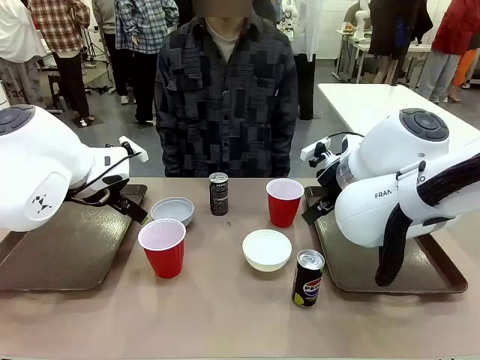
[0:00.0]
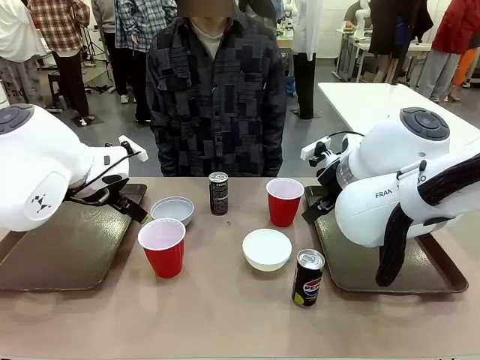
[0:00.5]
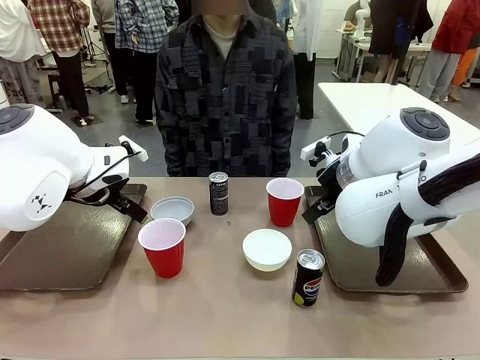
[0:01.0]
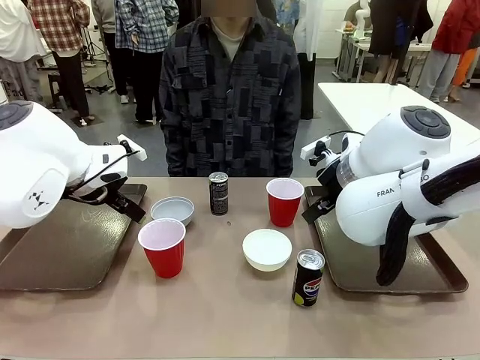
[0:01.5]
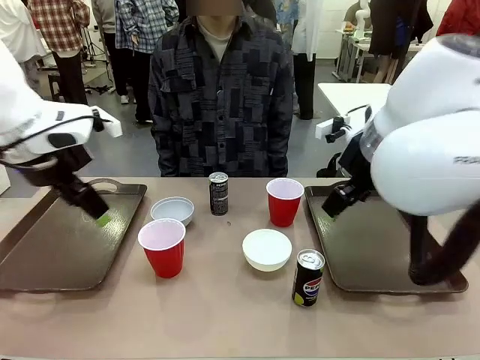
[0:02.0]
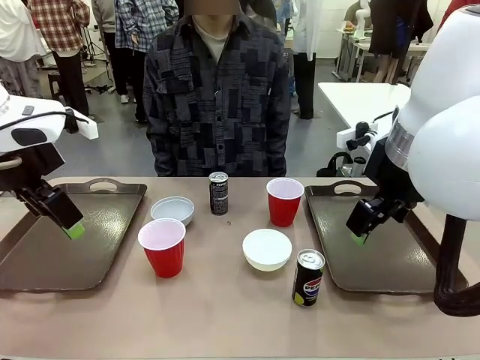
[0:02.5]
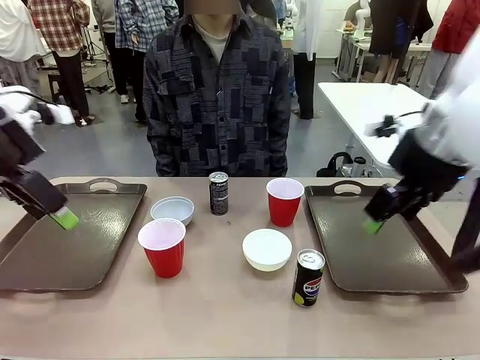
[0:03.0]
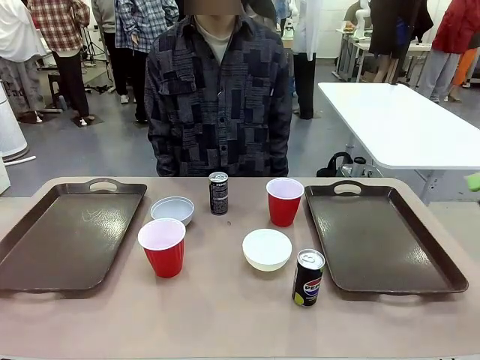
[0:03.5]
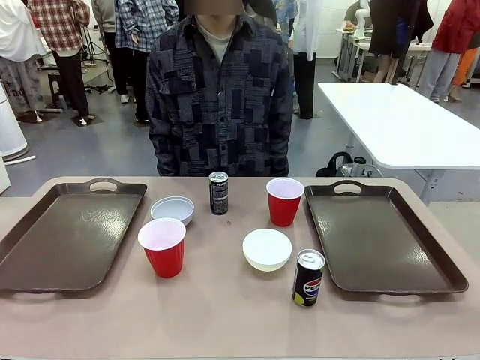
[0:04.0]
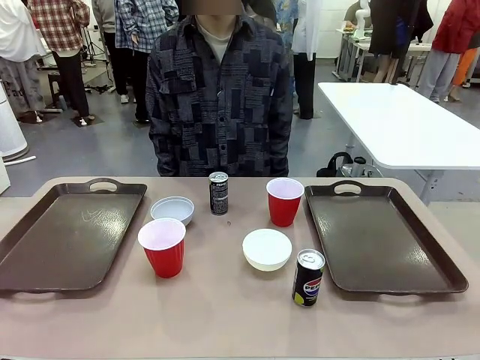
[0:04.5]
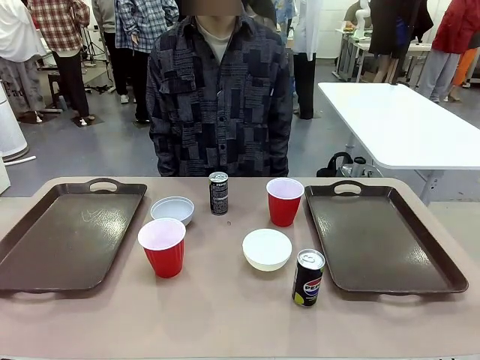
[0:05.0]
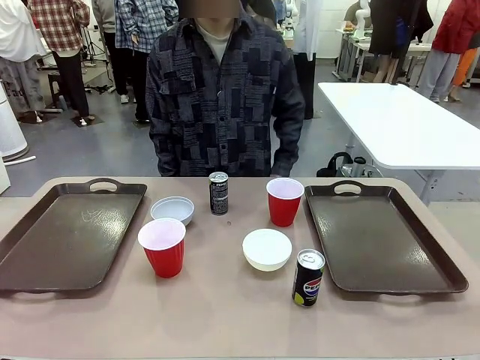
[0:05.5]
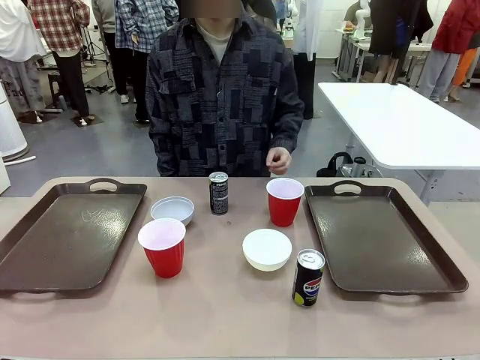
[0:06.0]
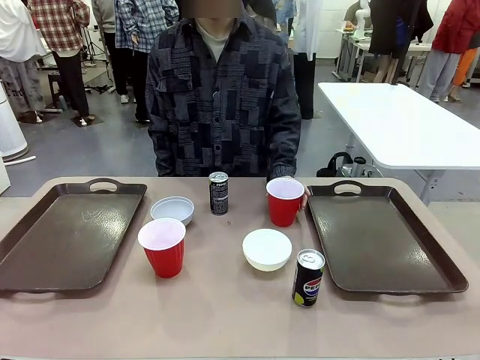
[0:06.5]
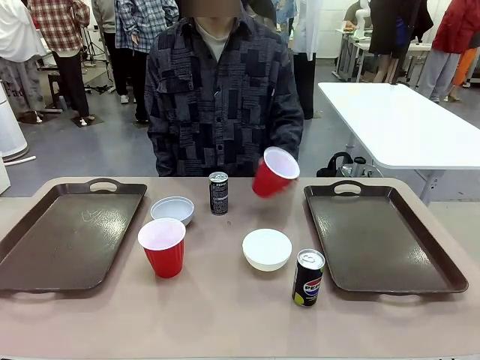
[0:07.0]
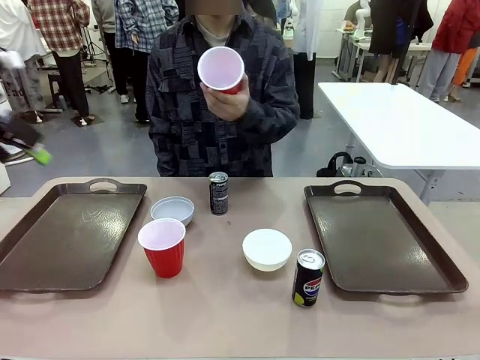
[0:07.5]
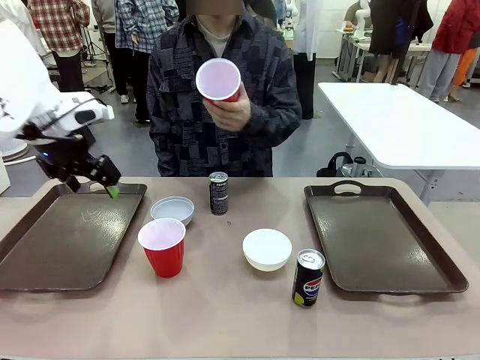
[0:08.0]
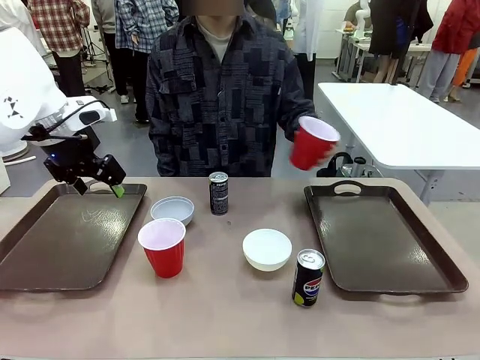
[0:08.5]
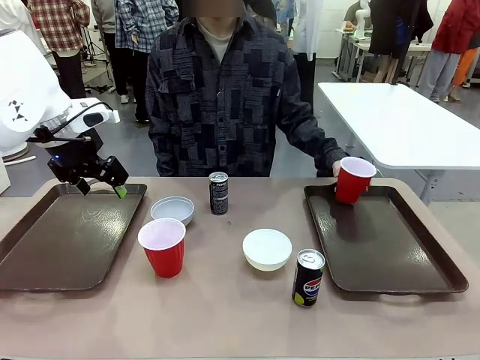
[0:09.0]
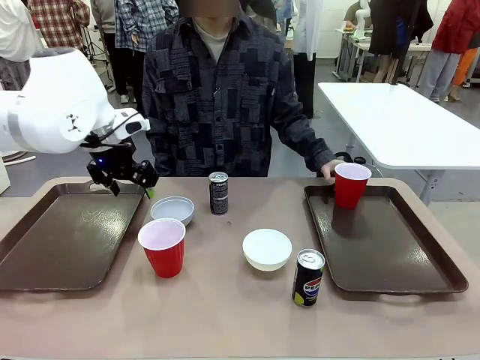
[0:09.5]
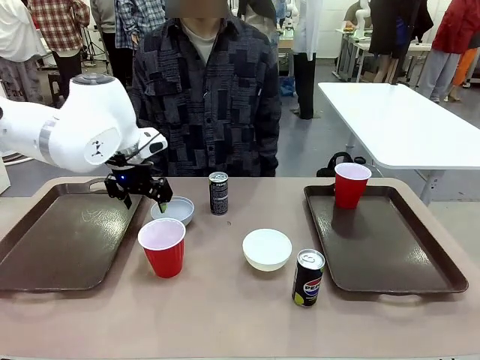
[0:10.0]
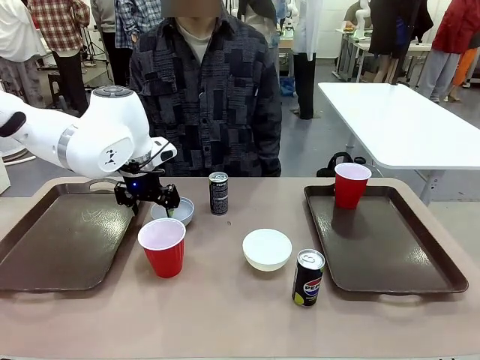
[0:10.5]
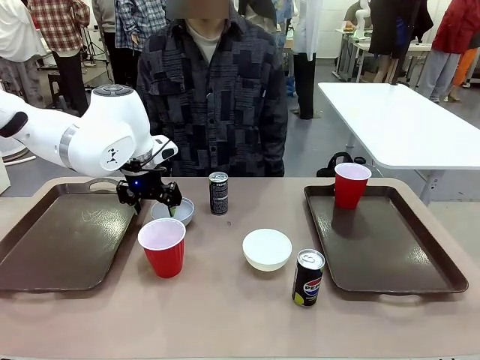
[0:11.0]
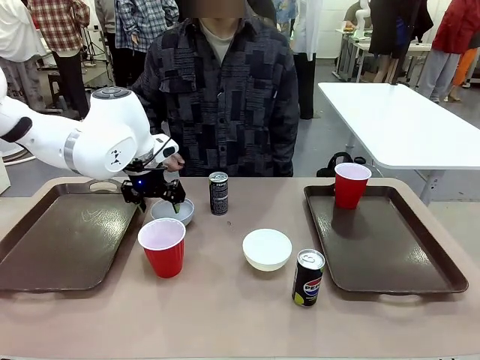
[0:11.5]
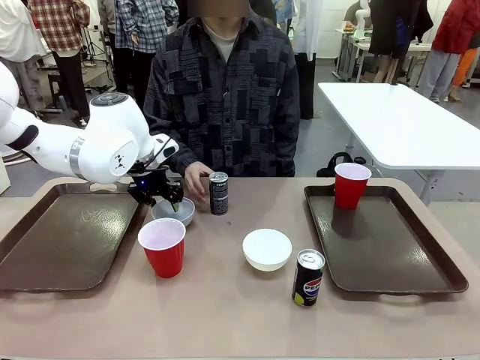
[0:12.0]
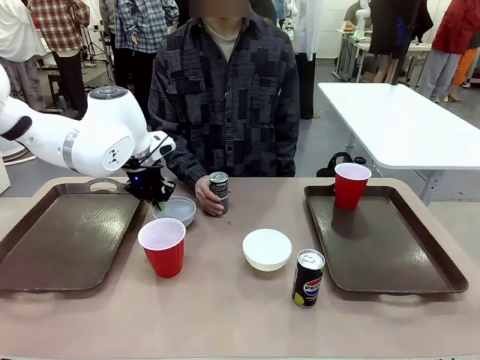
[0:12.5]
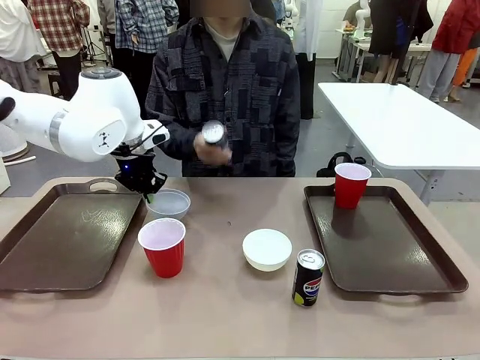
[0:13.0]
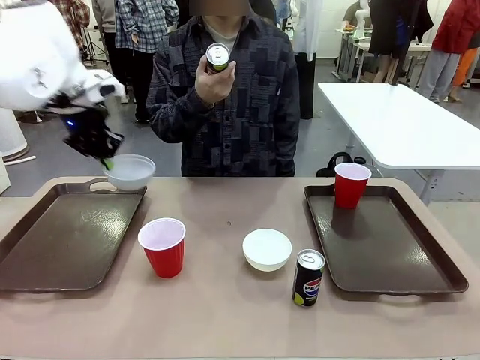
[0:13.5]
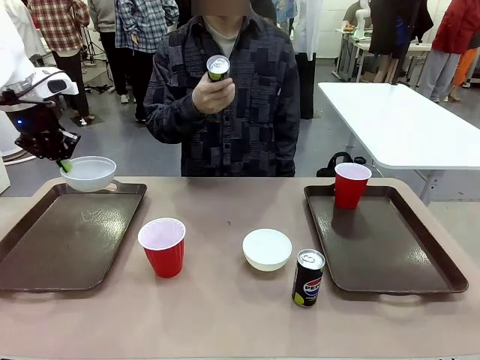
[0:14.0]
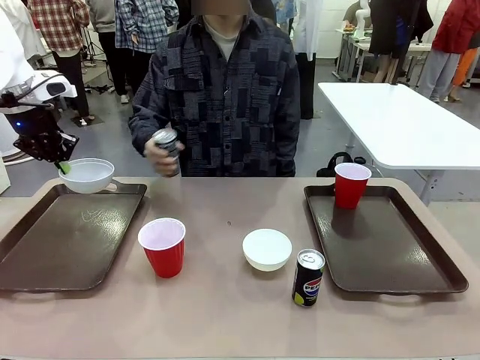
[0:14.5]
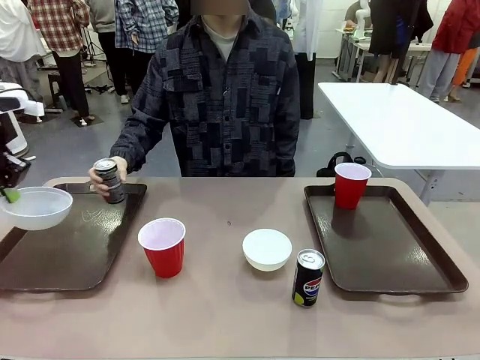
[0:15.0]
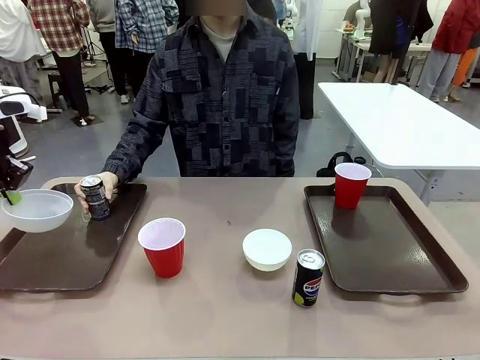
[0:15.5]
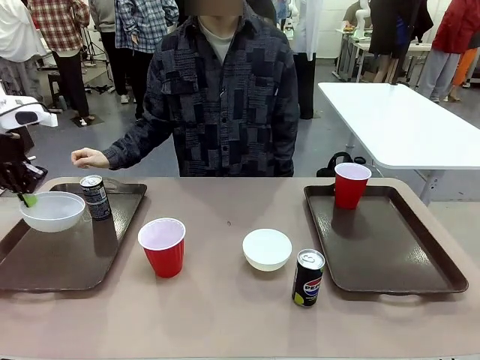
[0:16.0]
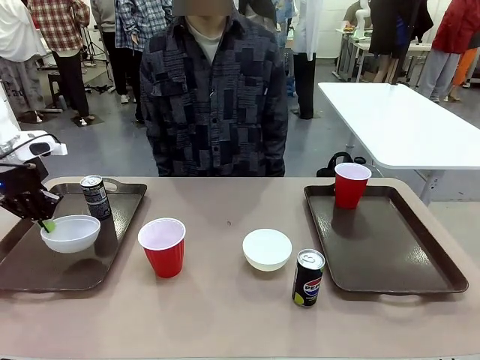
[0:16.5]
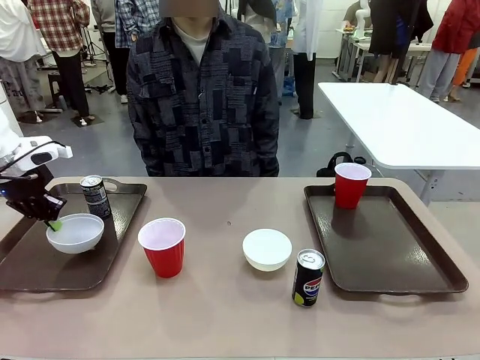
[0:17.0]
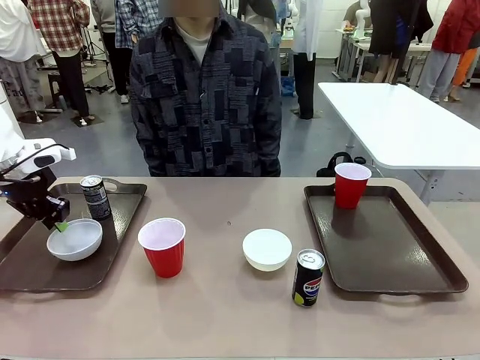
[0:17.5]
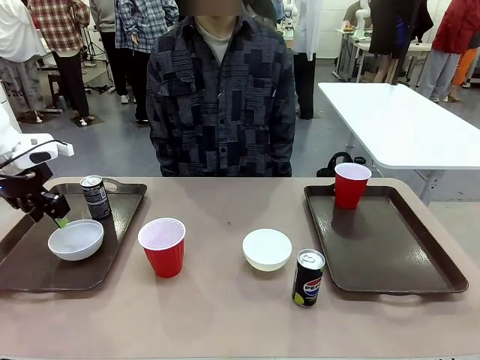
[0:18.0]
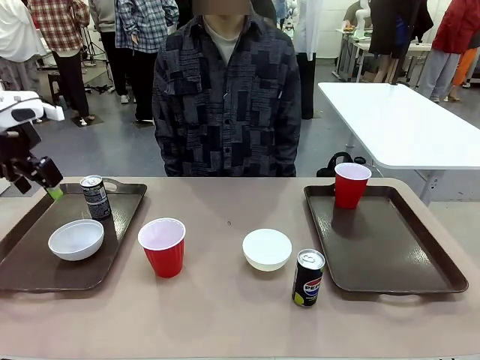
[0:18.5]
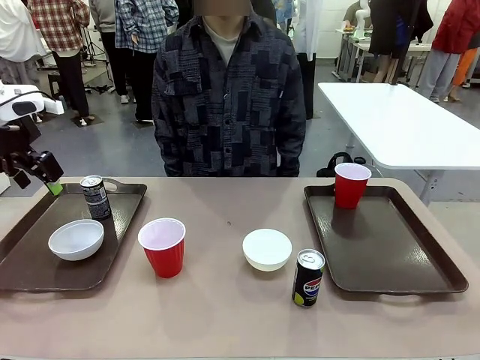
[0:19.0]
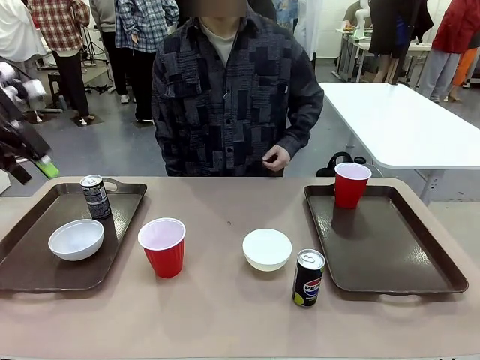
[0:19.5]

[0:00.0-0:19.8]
Task: Prepare tableware on both trays.
Robot: Pick up a Picnic Bowl from the table and place it on a Handle tray.
Person: Pick up a can or cup and place it on the tray.
